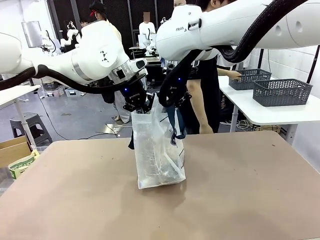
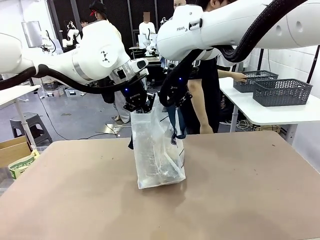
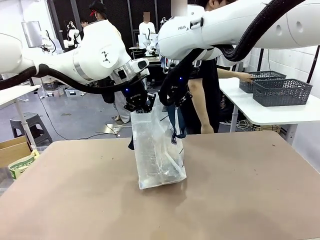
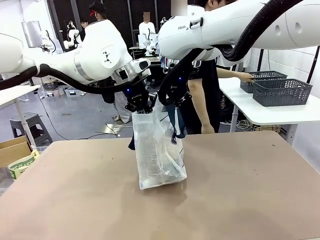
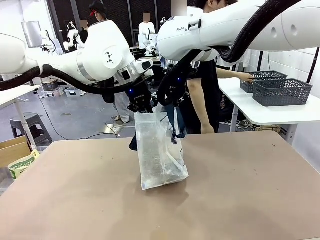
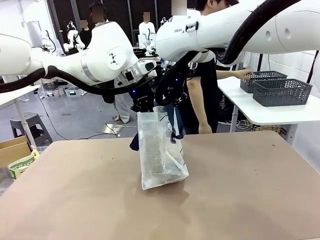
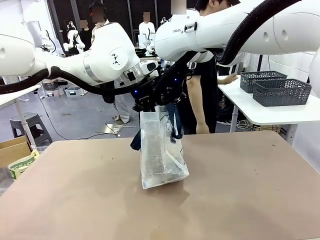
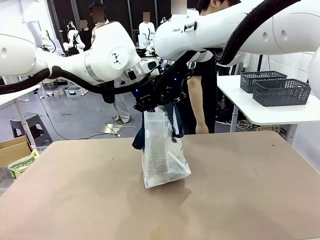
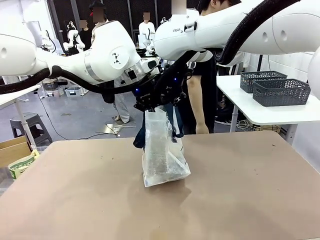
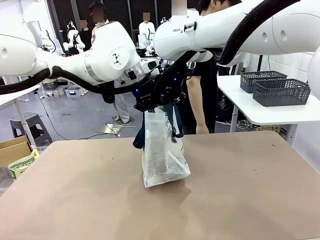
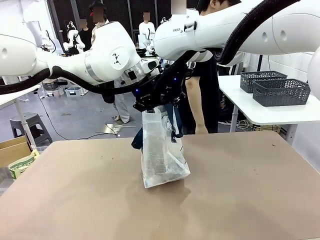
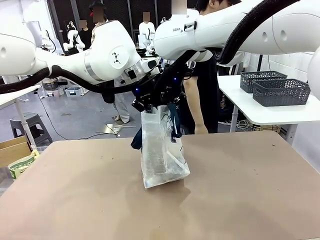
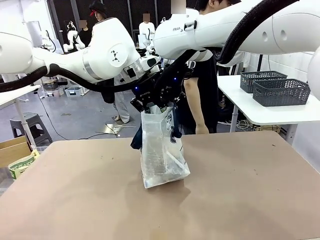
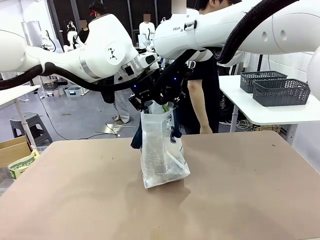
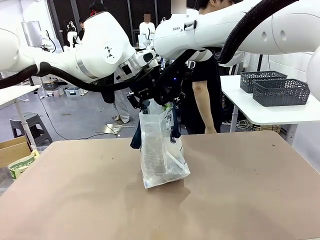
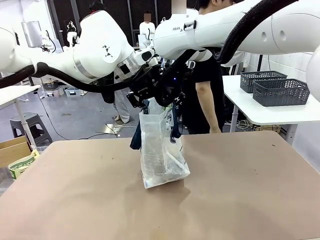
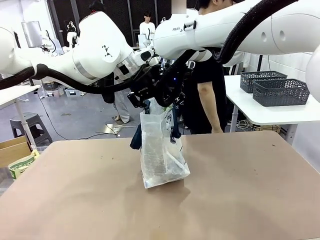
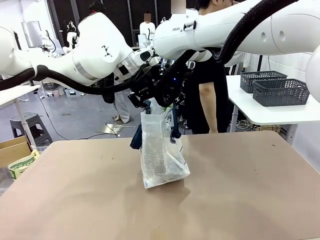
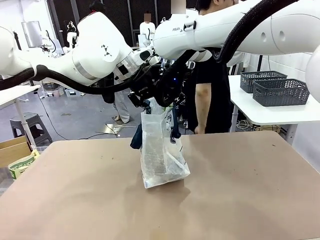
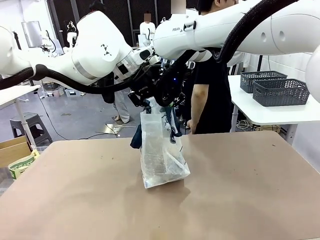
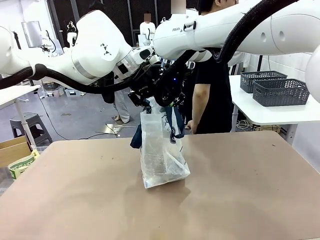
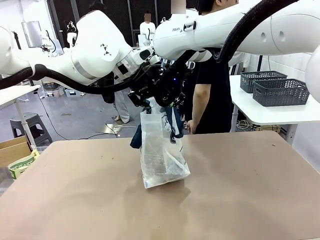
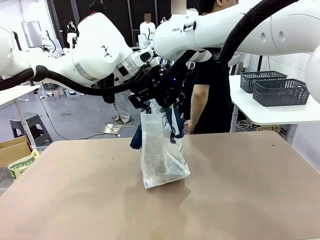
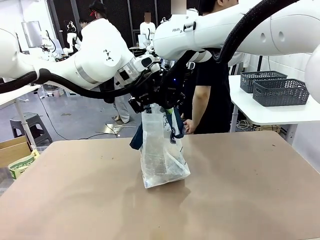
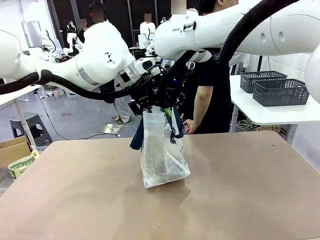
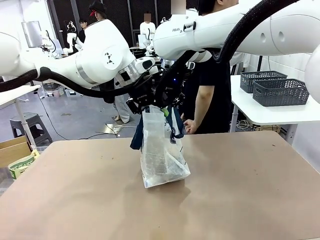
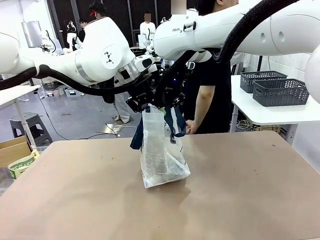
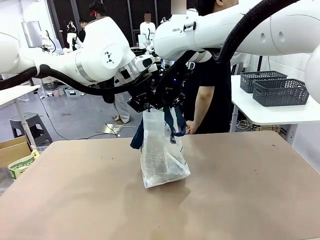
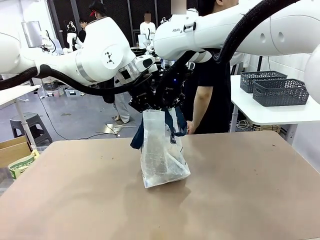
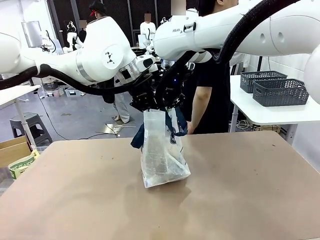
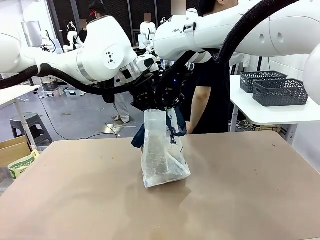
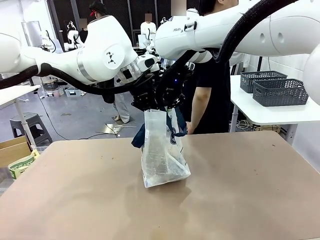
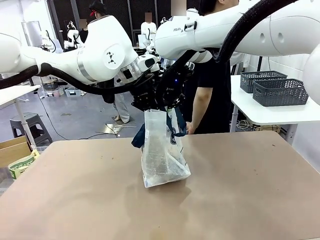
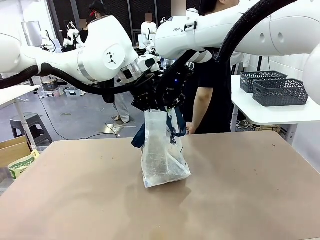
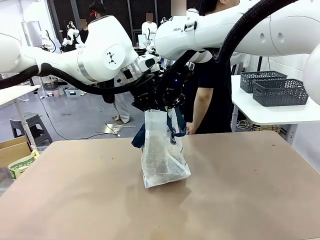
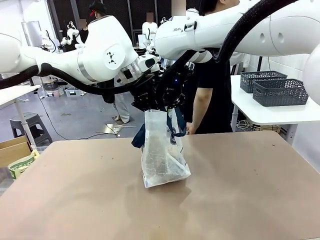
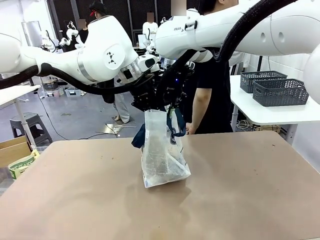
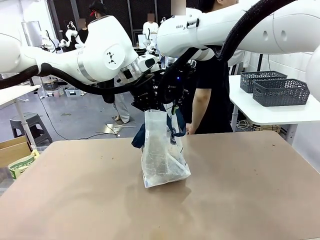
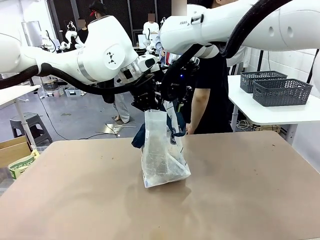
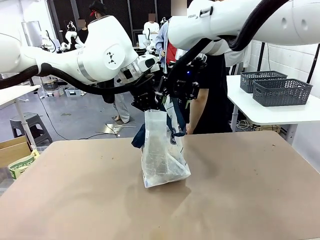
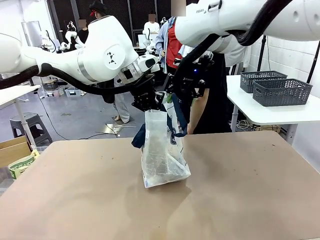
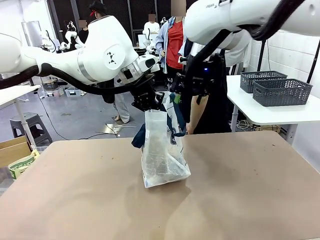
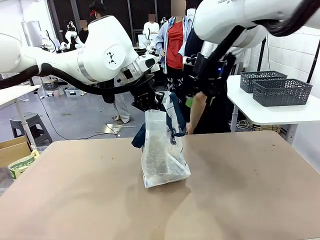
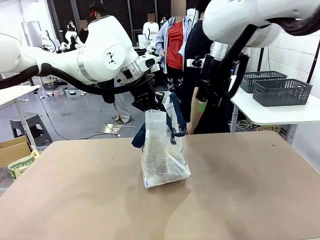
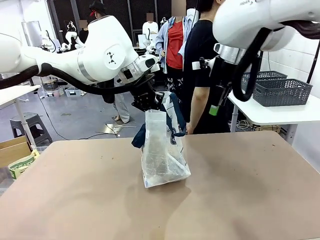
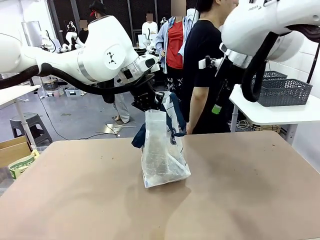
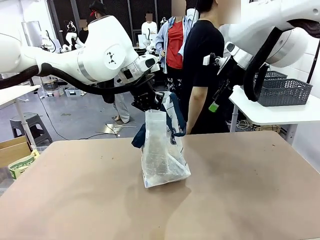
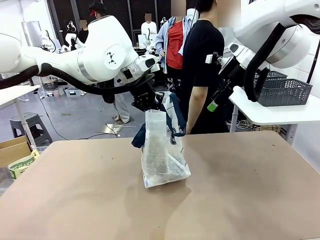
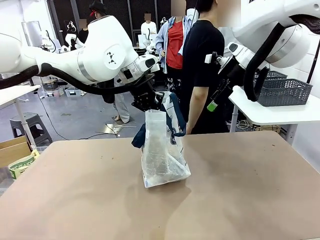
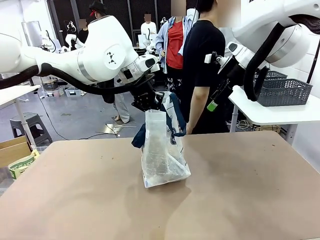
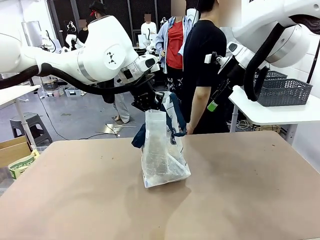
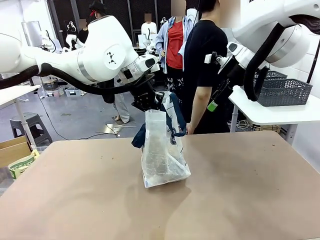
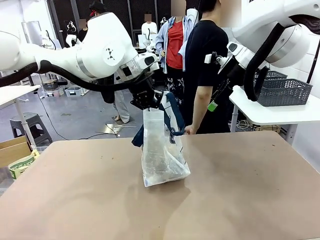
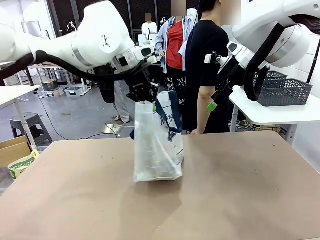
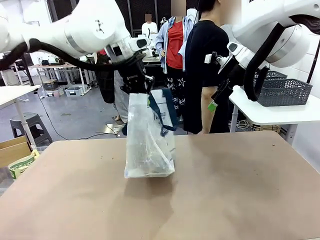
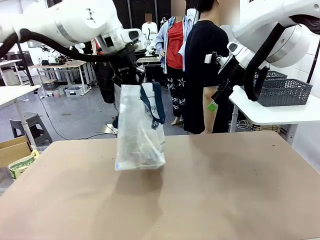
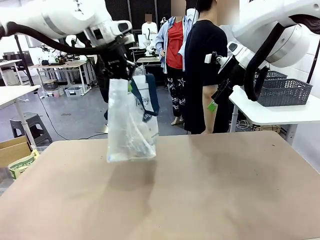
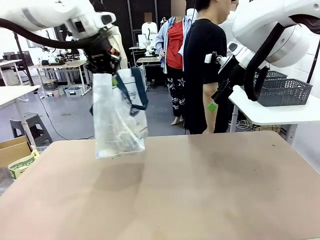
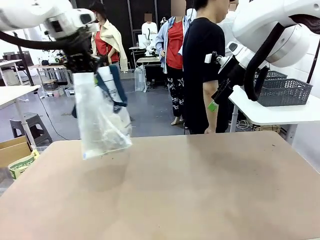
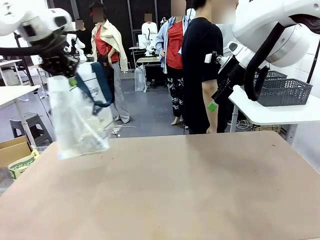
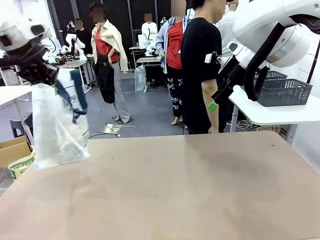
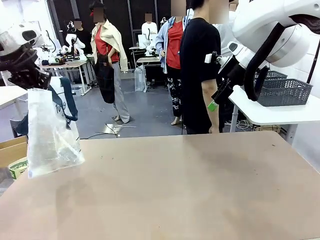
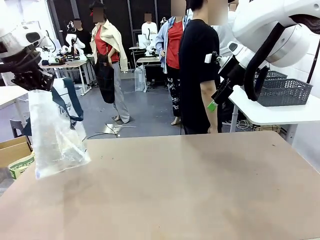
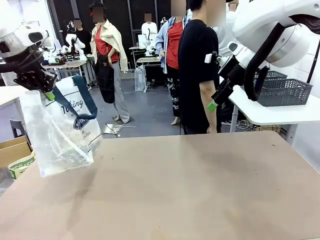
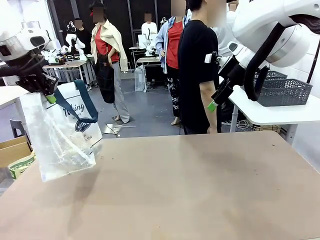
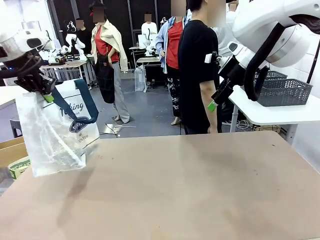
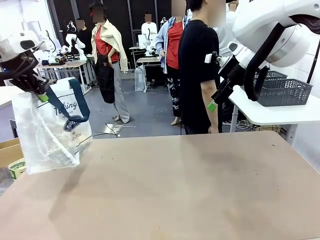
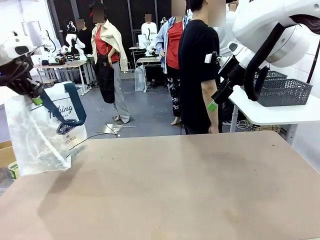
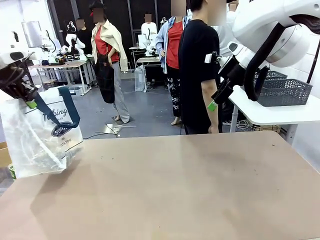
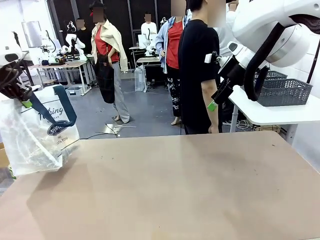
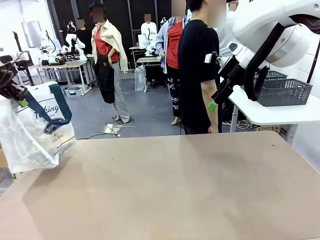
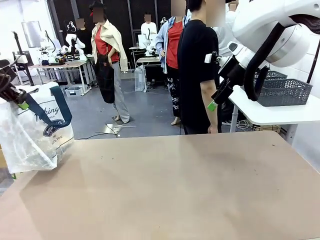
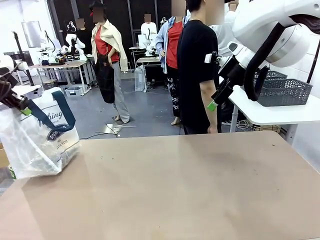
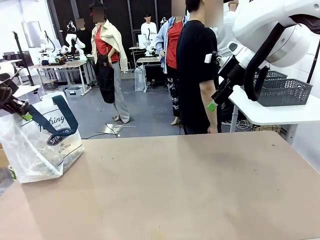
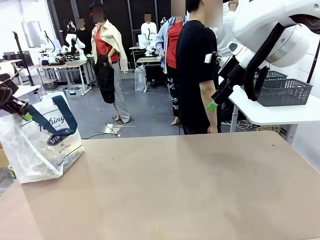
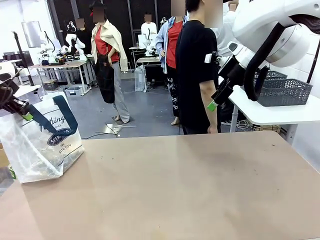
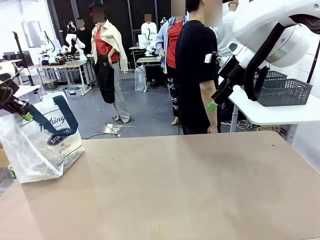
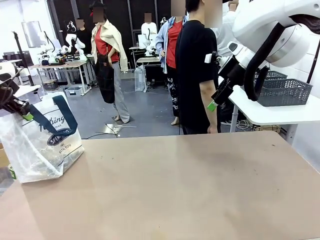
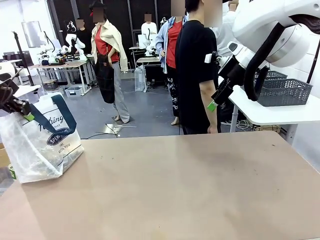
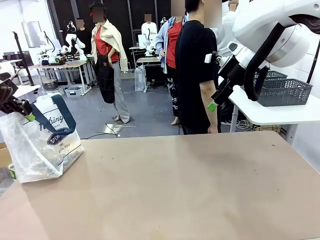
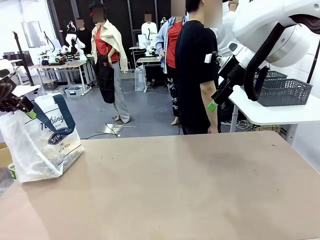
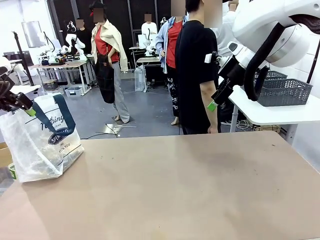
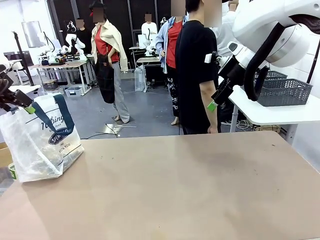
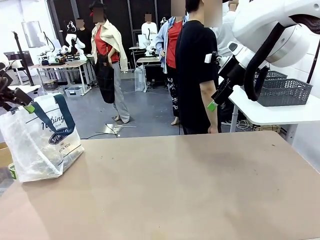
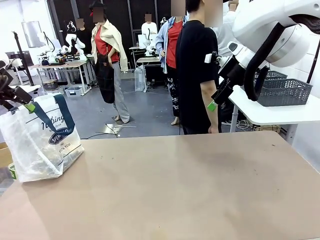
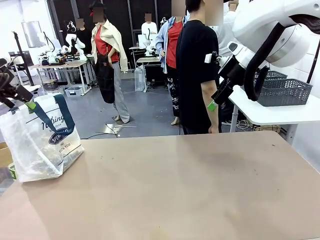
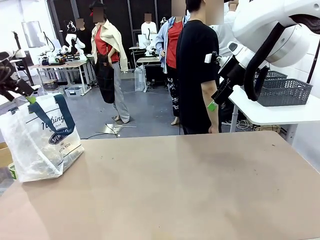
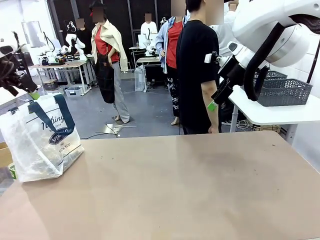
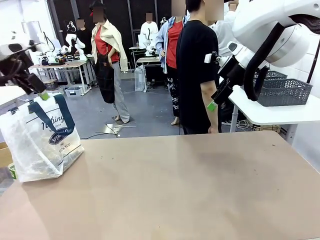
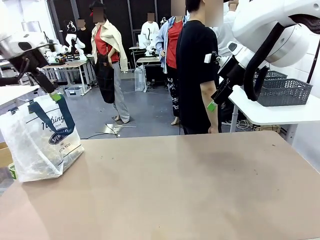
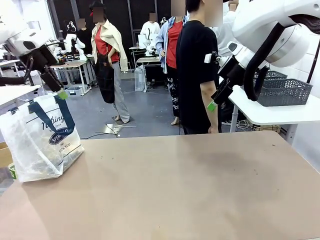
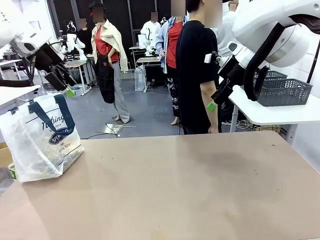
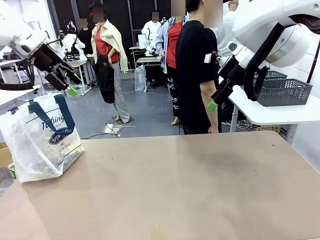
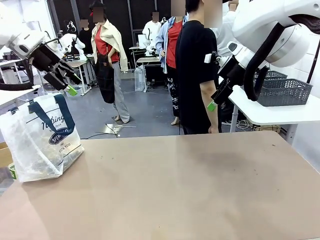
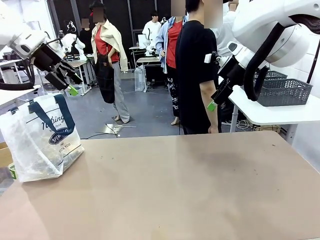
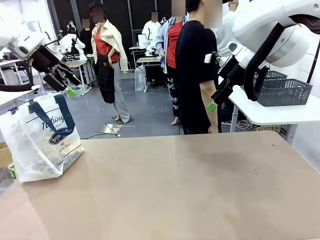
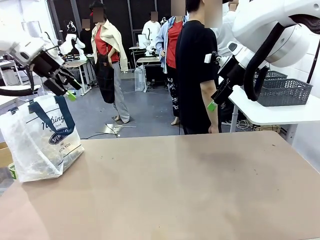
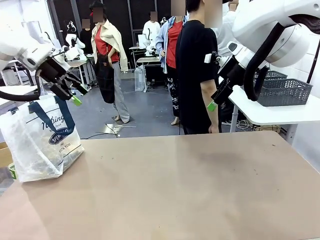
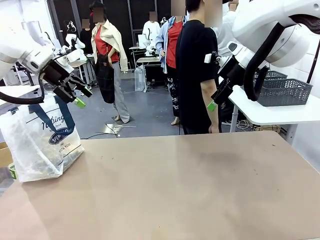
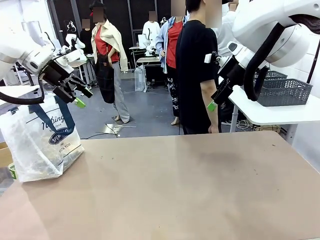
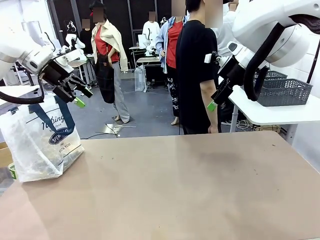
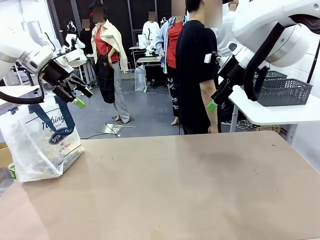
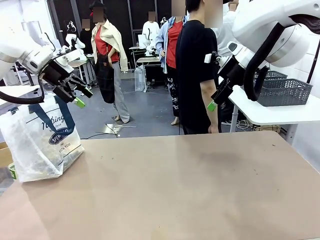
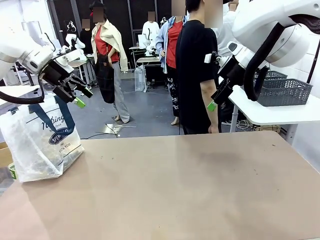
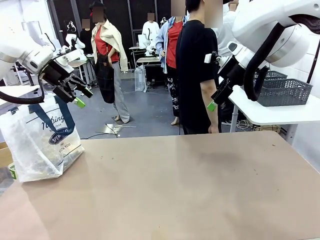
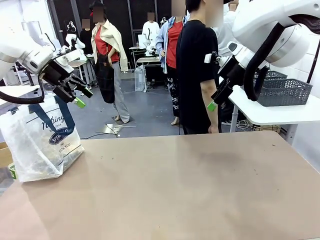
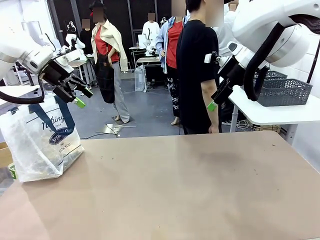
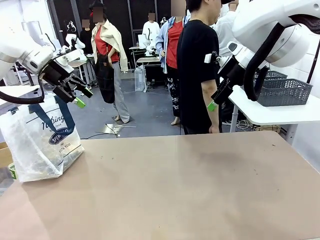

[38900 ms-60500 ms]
Task: Transfer purchased items from the store into the shopping bag.
Robot: Move the Reusable shopping bag to the right side of the table.
Person: Move the basket on the left to the middle of the person's table.
